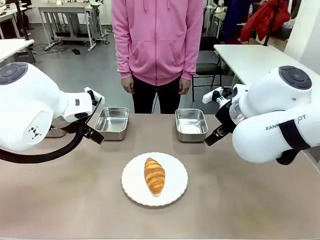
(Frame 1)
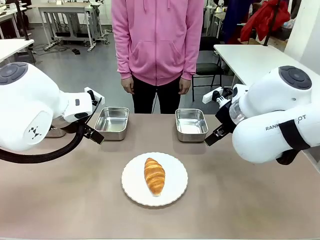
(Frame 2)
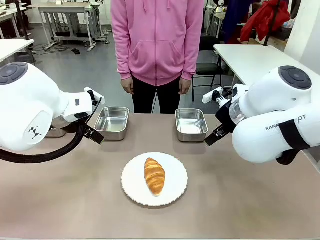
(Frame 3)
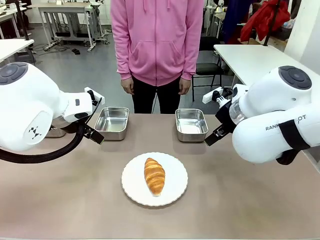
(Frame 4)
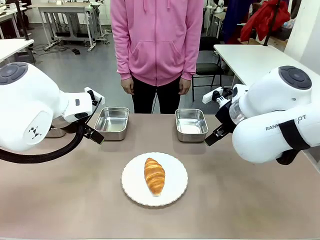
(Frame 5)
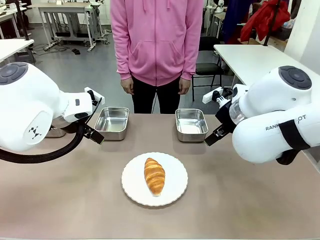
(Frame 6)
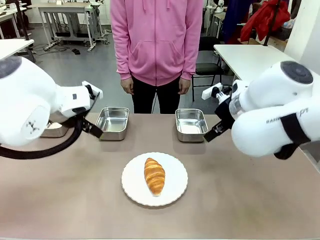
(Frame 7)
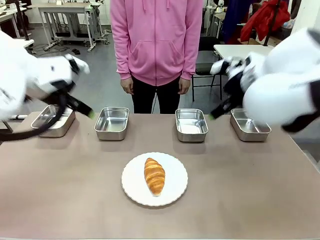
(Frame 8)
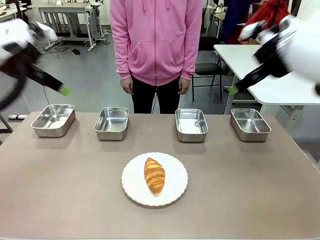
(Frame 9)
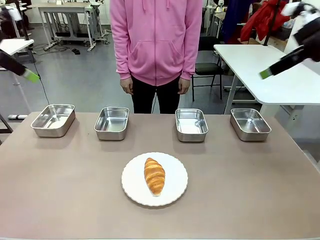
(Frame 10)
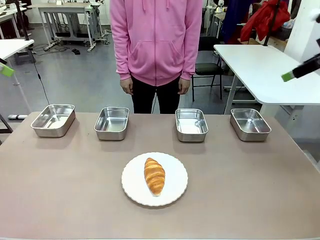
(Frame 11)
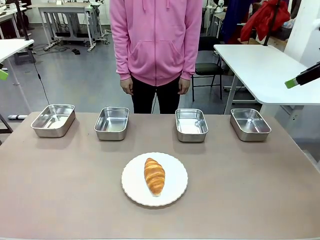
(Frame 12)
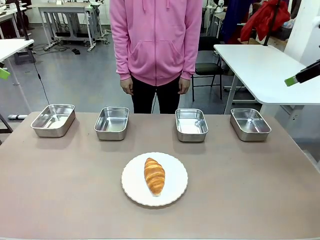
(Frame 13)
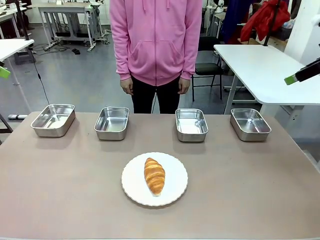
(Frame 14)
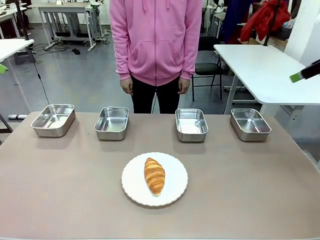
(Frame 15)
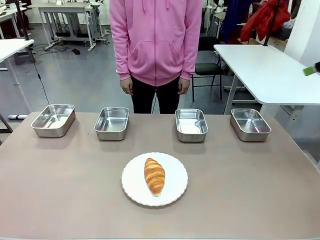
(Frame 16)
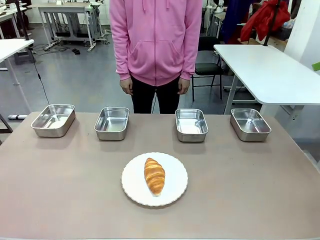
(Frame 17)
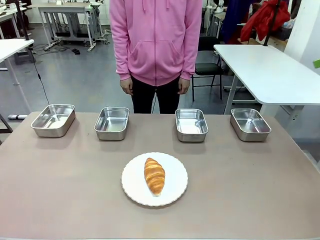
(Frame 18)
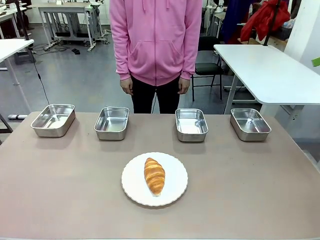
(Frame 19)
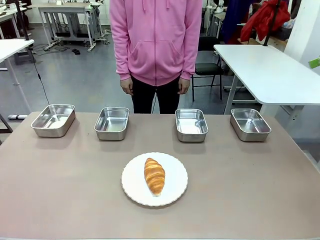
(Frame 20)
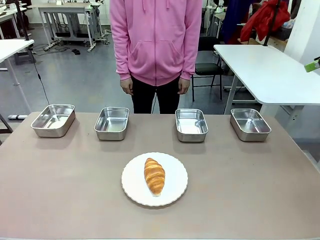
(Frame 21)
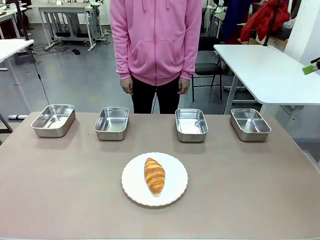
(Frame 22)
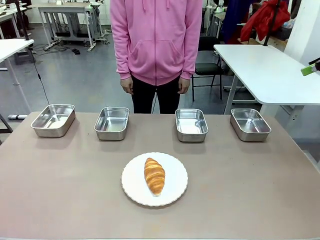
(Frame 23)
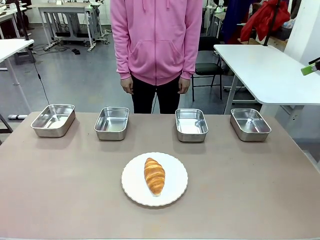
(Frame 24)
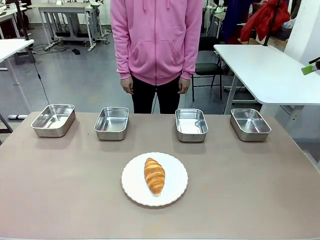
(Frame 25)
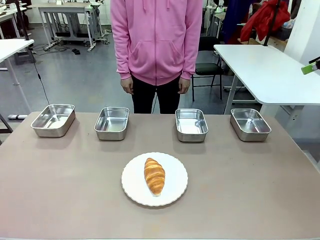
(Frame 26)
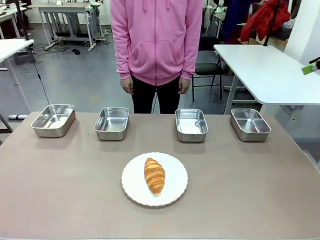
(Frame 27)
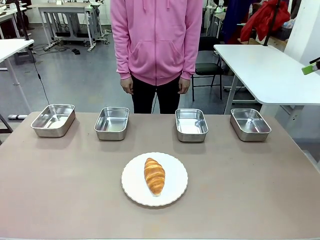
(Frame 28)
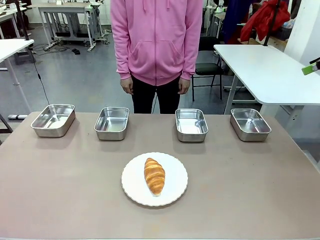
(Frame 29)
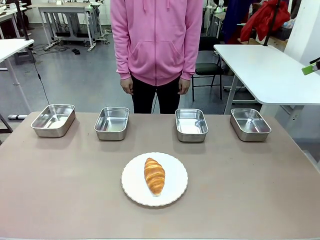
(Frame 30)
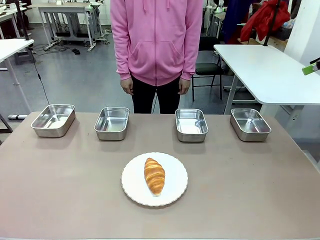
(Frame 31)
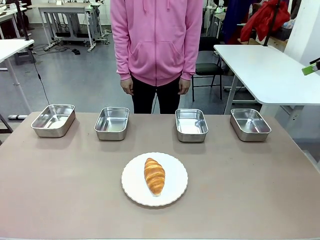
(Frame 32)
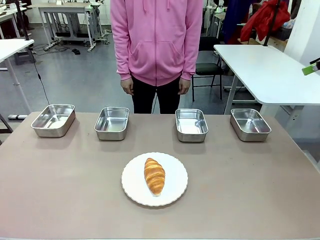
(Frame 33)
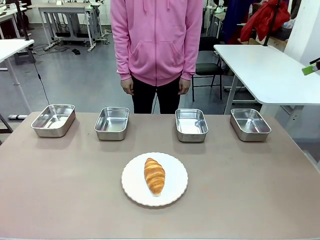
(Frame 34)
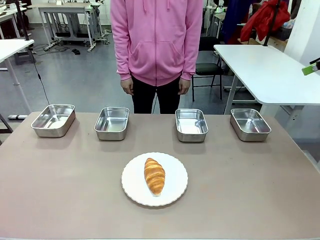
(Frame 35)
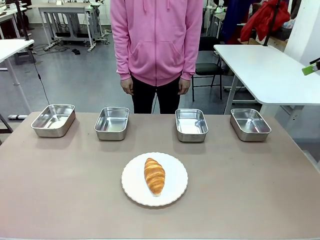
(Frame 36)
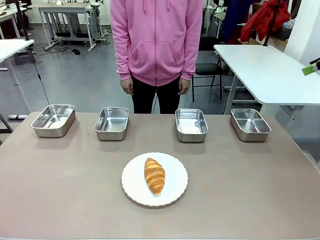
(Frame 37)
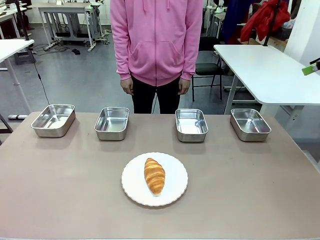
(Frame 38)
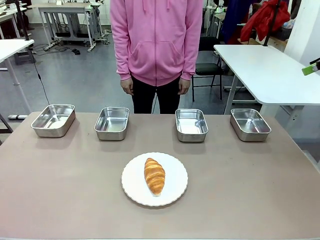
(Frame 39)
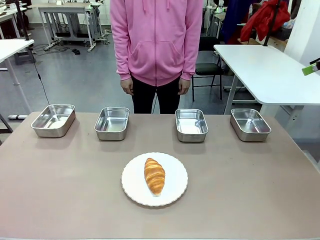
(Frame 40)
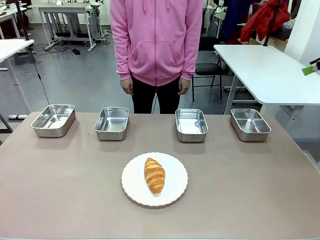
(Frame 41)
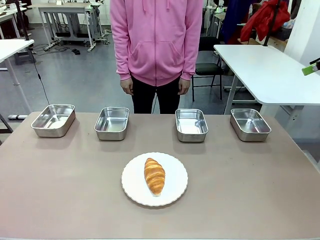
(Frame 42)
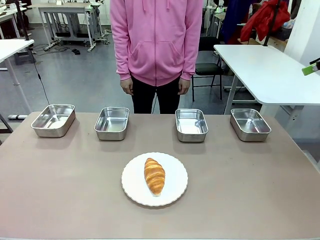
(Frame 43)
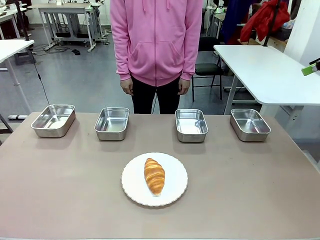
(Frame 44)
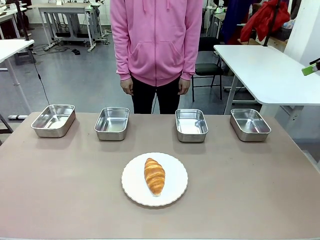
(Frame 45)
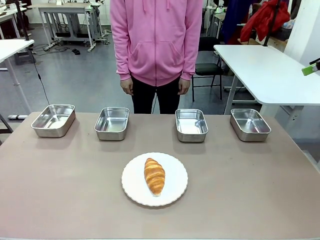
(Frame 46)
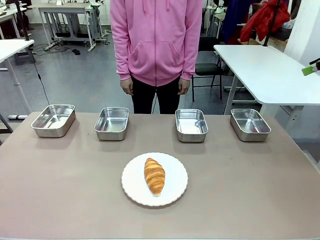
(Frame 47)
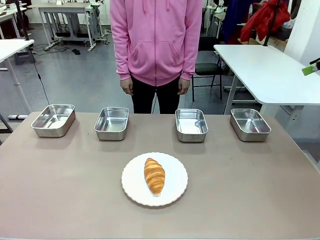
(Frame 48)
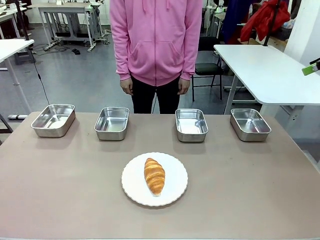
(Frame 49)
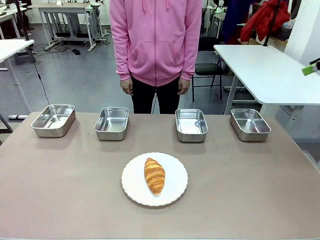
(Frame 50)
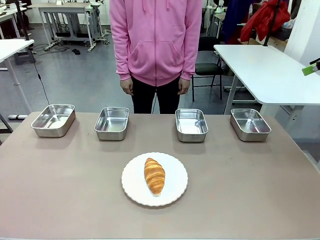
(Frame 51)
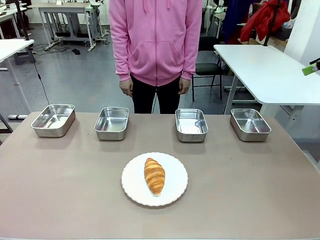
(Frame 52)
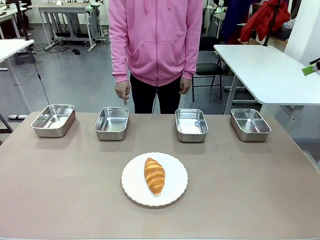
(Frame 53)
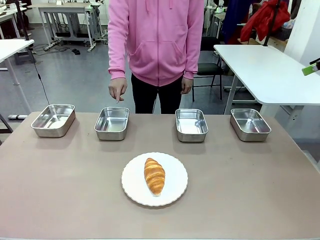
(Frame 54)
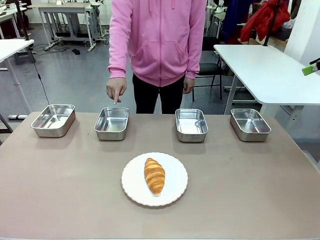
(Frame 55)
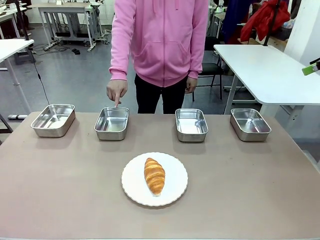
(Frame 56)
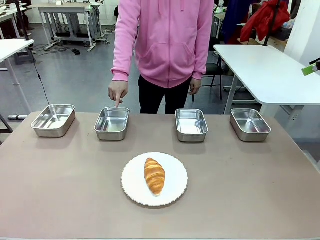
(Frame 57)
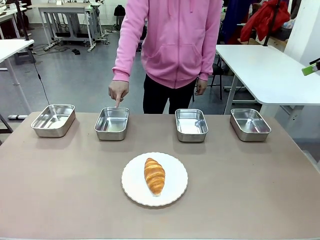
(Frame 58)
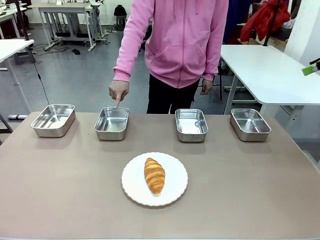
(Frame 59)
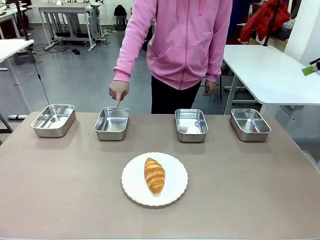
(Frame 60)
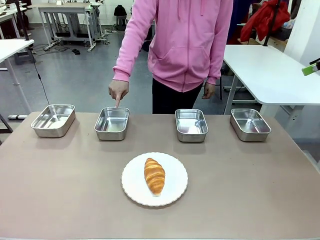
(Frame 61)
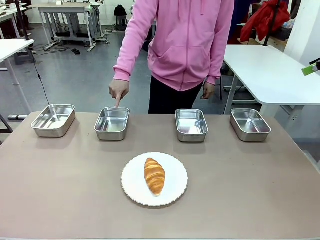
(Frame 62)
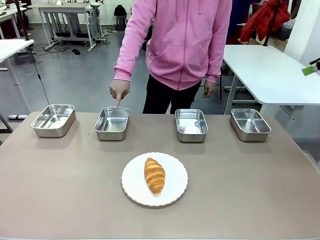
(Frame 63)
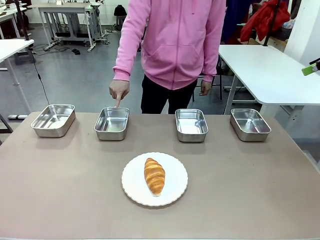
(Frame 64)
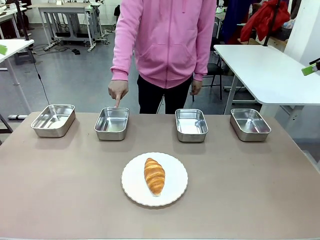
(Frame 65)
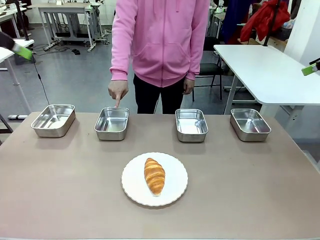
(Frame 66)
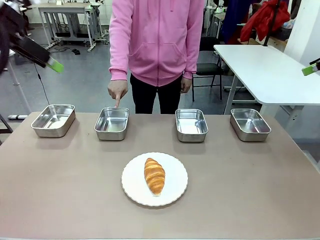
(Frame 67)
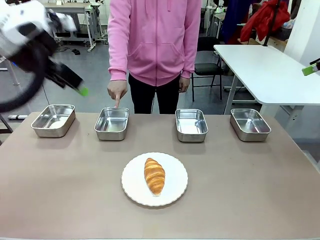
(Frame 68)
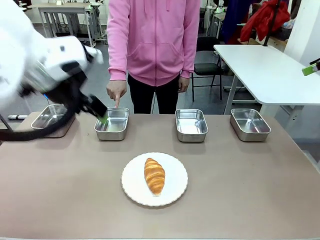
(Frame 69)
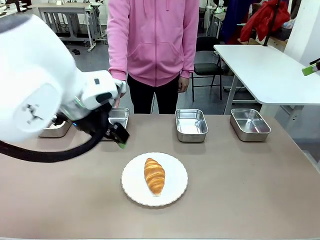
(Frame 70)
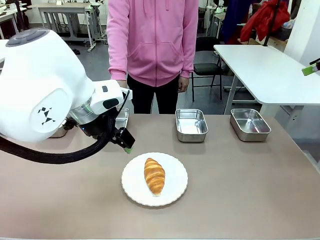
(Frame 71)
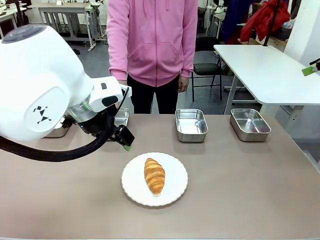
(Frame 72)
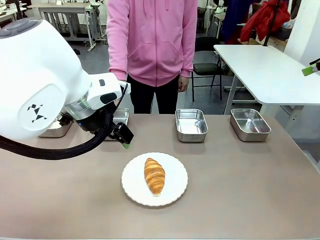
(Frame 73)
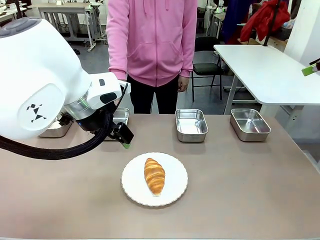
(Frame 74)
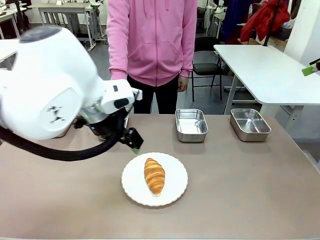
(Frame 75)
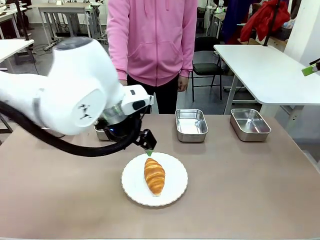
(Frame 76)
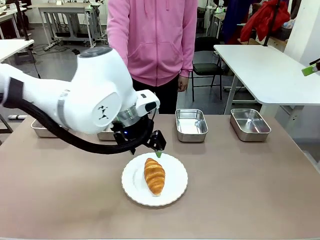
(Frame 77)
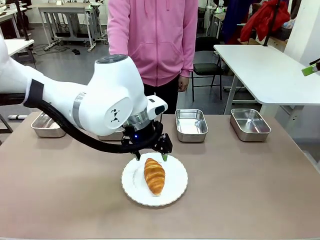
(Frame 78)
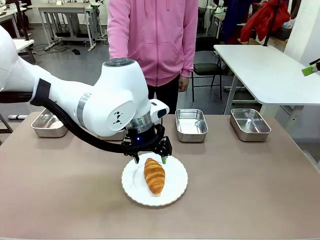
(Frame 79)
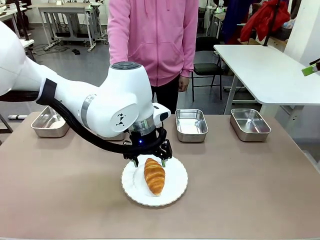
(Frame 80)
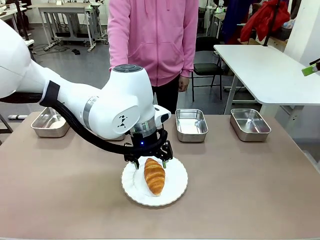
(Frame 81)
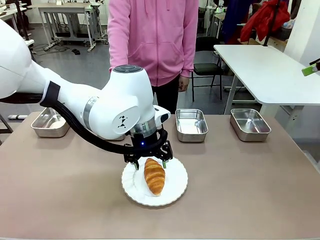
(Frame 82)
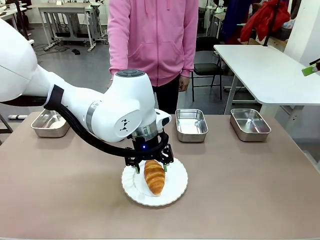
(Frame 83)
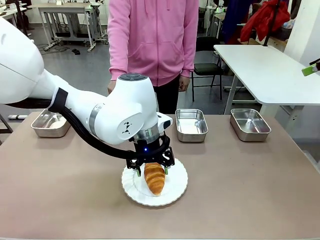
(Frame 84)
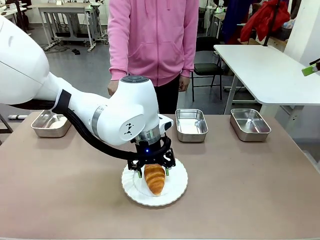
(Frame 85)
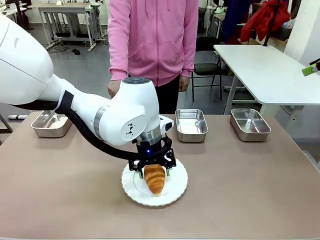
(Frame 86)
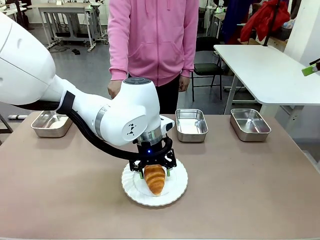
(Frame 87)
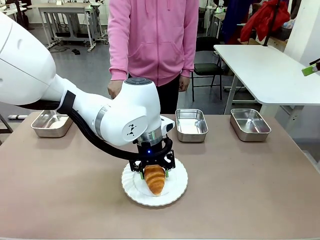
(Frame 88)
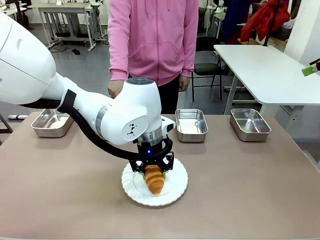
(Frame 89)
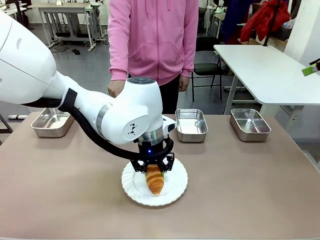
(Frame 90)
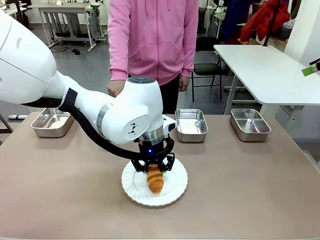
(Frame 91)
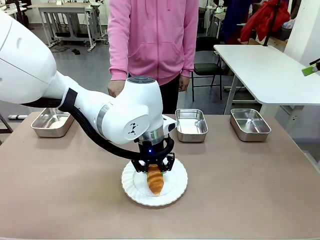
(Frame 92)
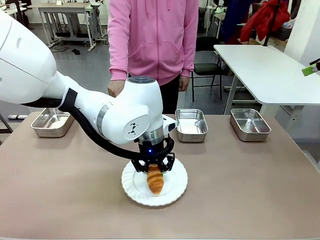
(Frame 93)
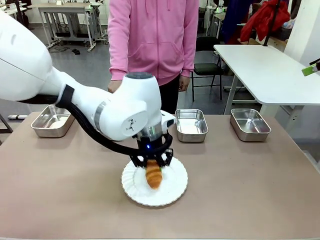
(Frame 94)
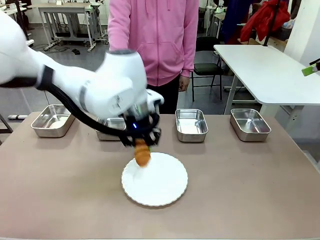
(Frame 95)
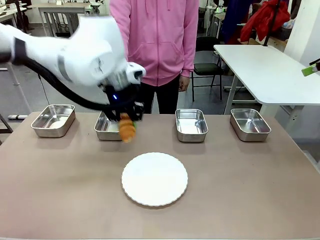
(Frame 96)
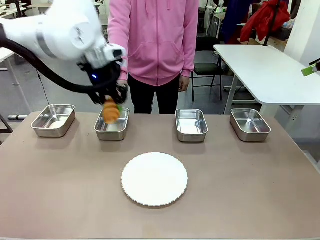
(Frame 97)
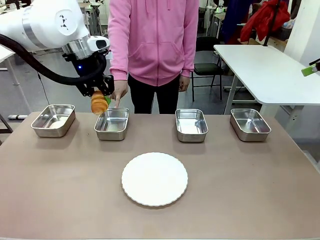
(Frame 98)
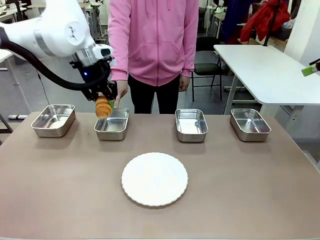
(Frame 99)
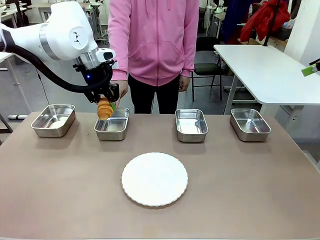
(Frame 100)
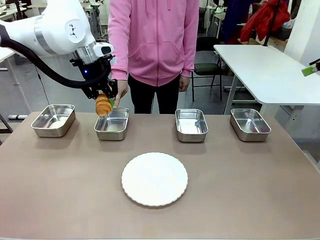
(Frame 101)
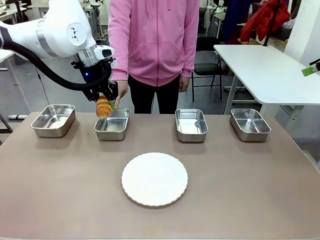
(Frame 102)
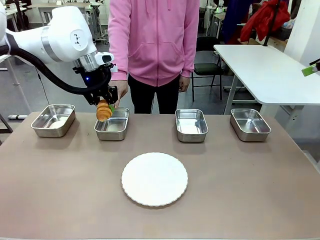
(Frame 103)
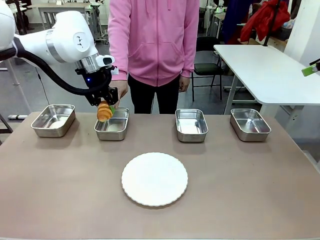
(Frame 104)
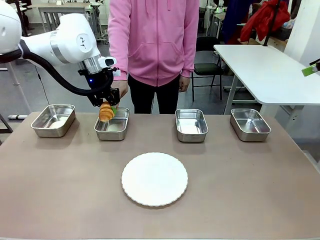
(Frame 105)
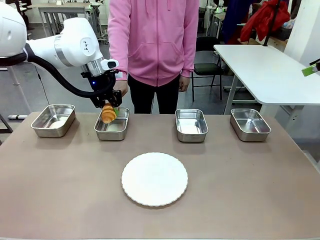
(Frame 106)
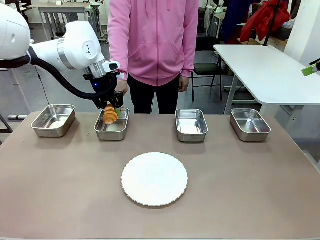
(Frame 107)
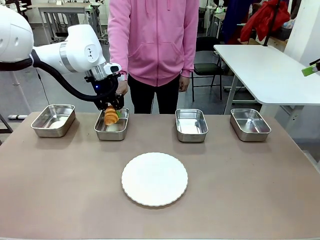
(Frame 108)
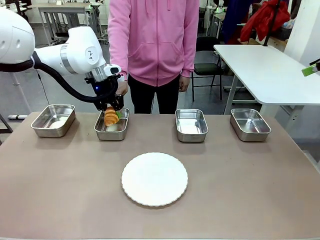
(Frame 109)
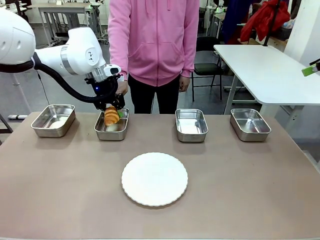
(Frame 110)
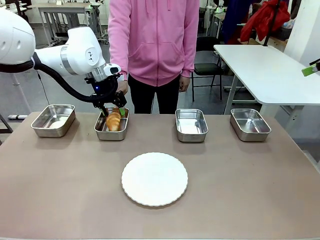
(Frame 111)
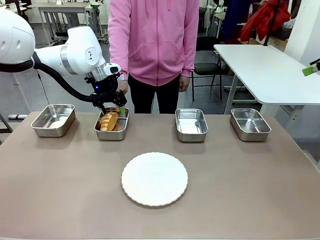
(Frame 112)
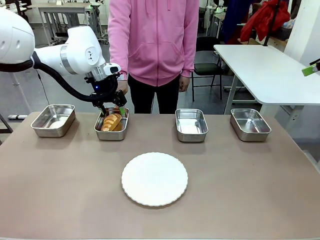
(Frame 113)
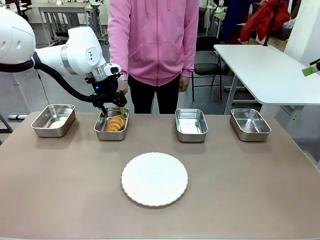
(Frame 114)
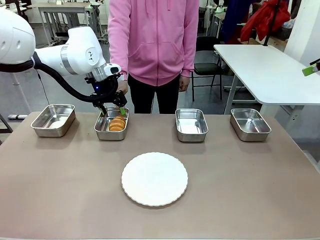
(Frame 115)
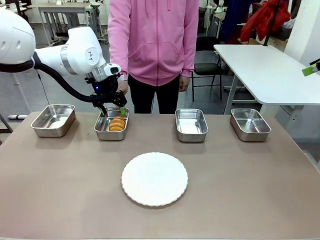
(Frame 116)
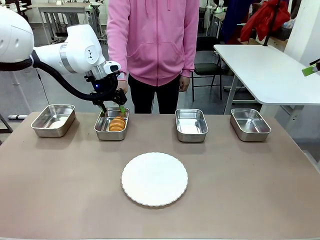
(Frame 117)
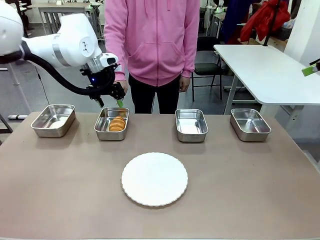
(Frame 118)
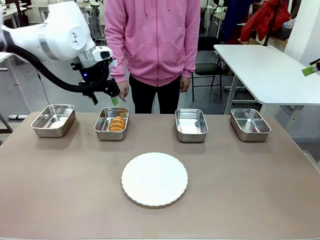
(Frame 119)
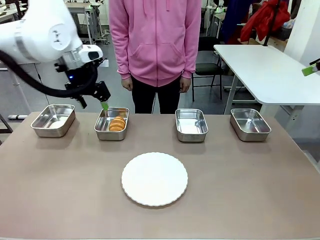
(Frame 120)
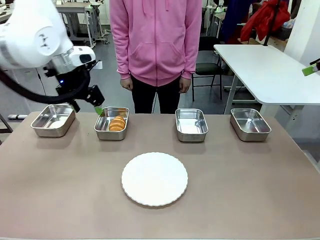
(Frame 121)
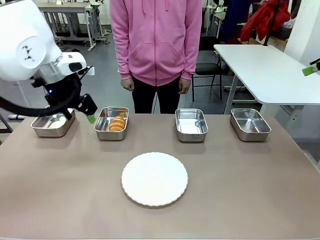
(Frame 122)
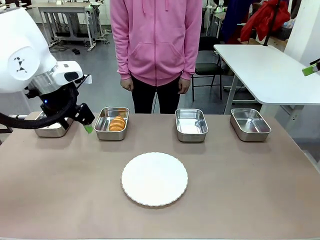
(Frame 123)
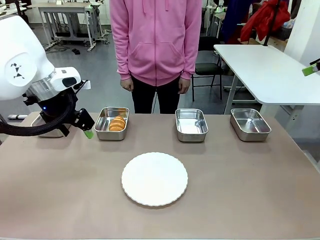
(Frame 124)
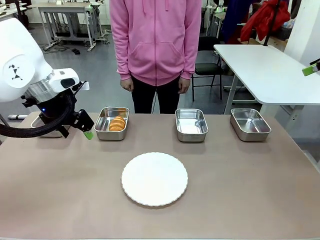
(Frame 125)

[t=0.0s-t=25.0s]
Task: Place the bread in the container.
Robot: Place the Butter Roll into the Airtight Container indicated by the human.
Person: A person randomly selects and points to an Airtight Container.
